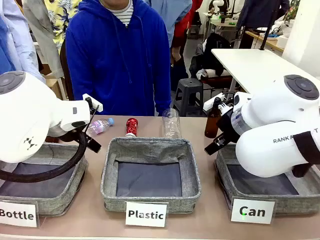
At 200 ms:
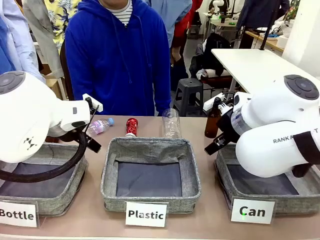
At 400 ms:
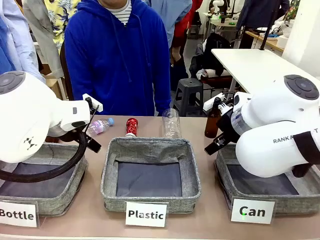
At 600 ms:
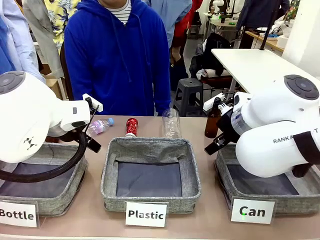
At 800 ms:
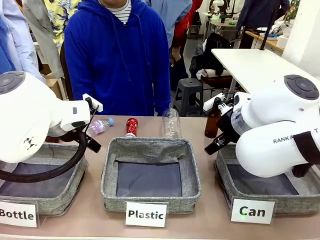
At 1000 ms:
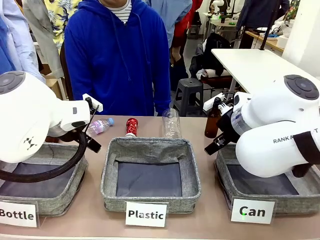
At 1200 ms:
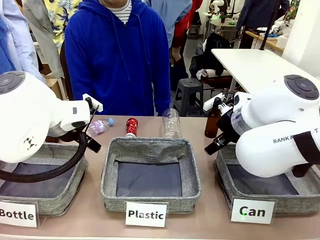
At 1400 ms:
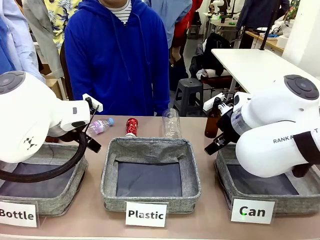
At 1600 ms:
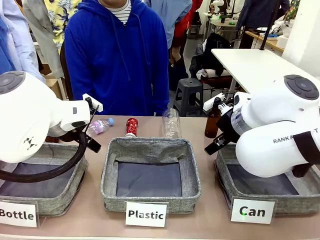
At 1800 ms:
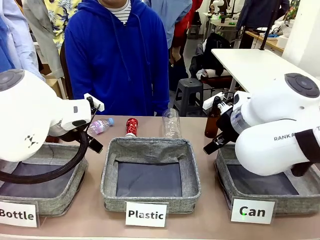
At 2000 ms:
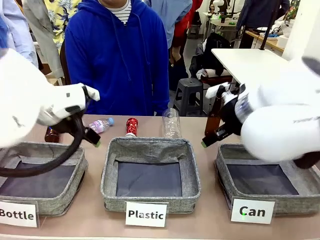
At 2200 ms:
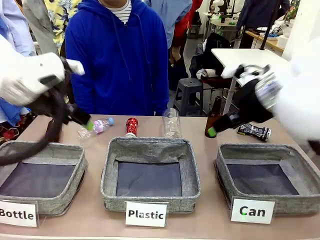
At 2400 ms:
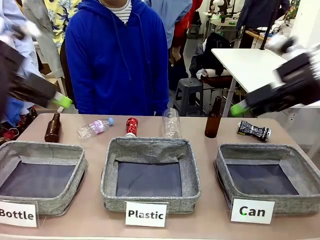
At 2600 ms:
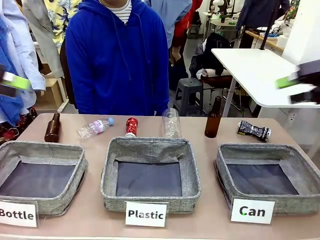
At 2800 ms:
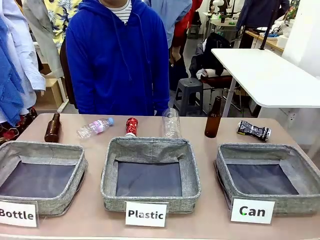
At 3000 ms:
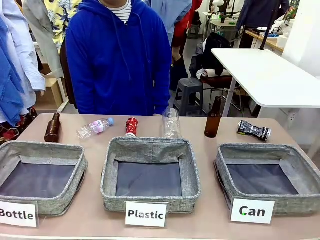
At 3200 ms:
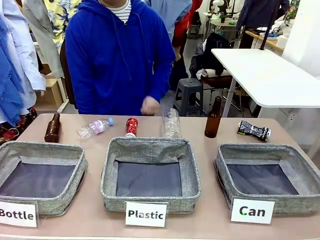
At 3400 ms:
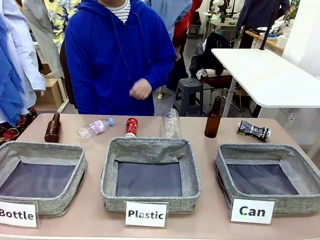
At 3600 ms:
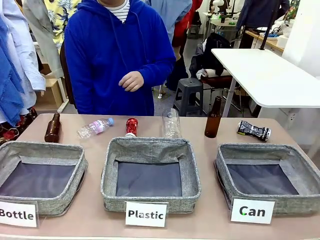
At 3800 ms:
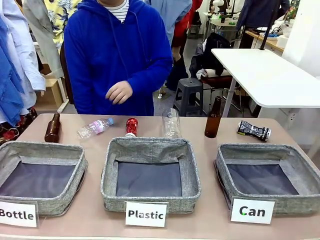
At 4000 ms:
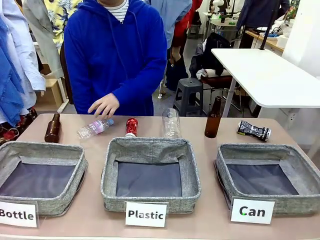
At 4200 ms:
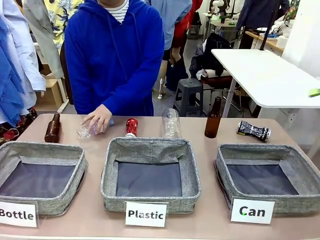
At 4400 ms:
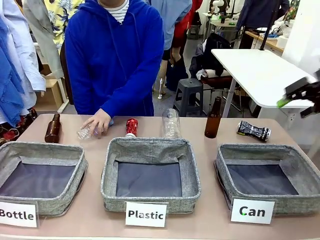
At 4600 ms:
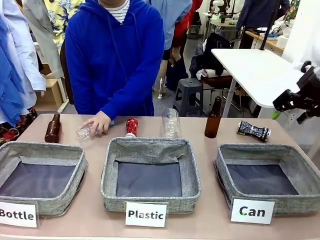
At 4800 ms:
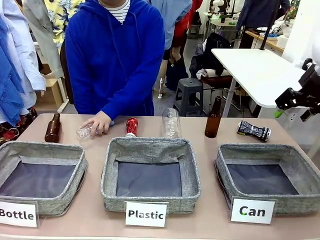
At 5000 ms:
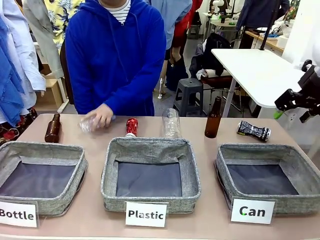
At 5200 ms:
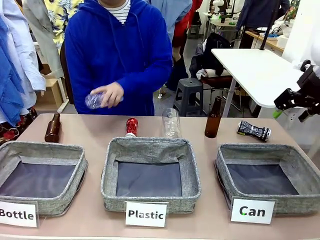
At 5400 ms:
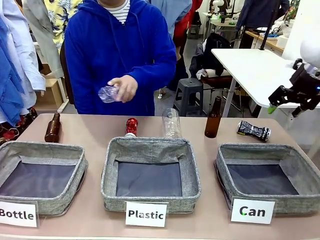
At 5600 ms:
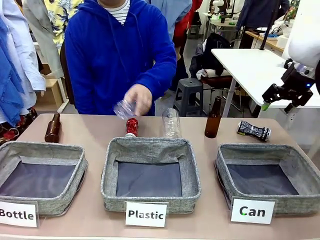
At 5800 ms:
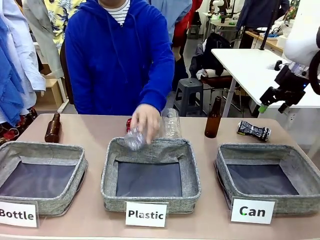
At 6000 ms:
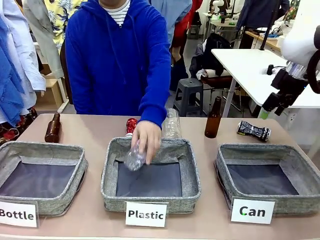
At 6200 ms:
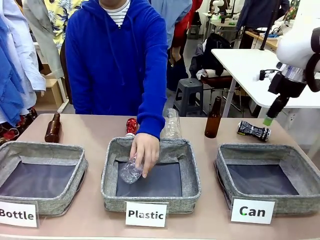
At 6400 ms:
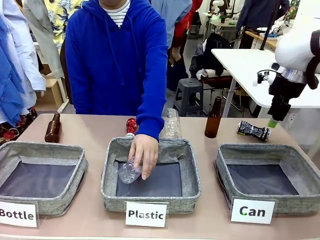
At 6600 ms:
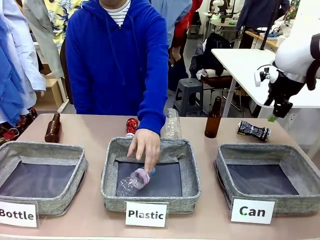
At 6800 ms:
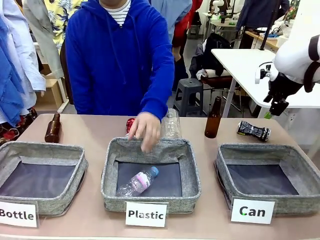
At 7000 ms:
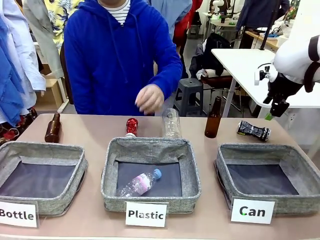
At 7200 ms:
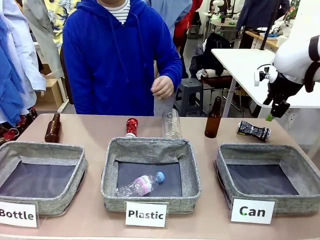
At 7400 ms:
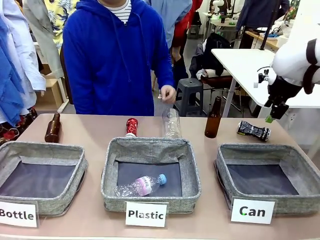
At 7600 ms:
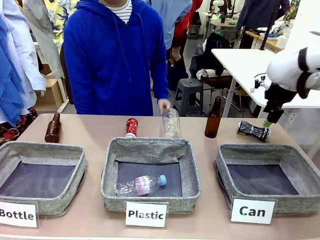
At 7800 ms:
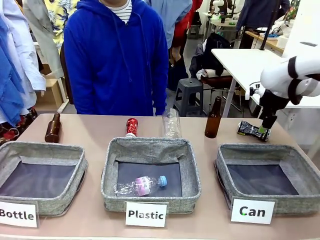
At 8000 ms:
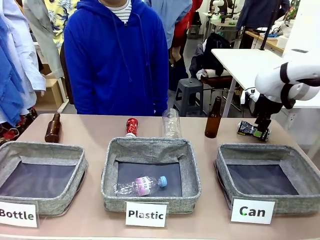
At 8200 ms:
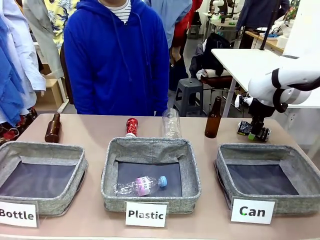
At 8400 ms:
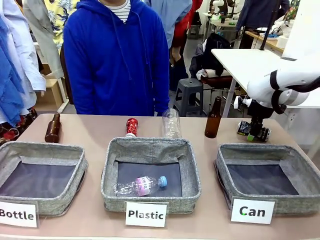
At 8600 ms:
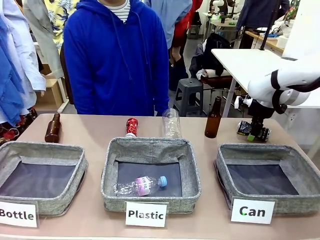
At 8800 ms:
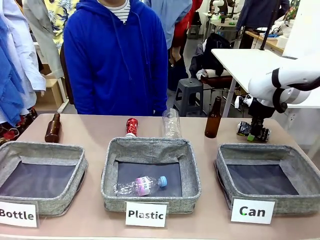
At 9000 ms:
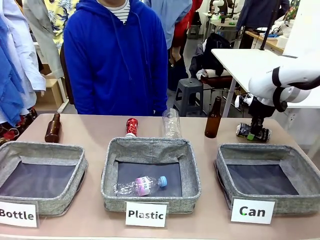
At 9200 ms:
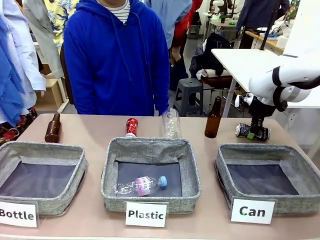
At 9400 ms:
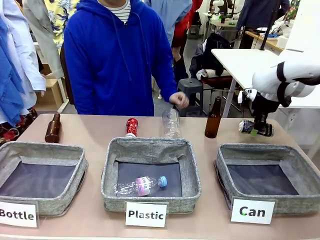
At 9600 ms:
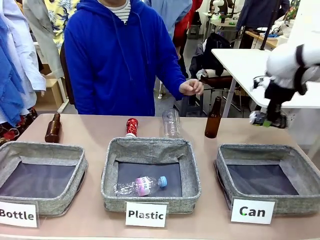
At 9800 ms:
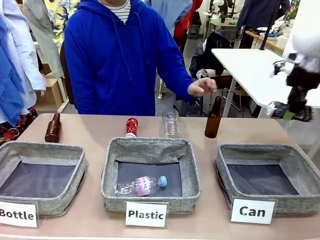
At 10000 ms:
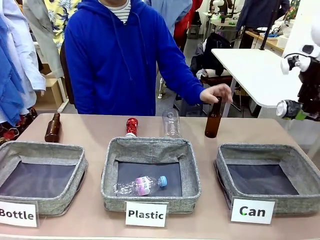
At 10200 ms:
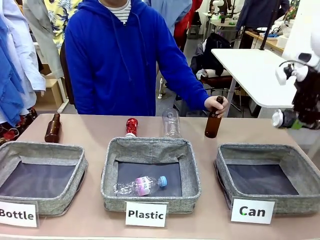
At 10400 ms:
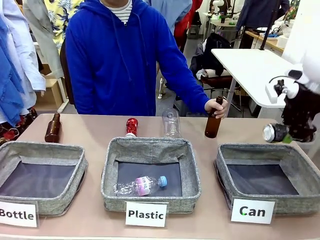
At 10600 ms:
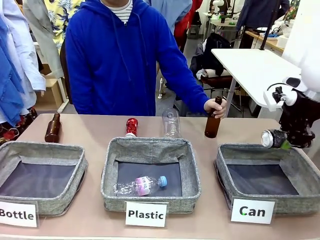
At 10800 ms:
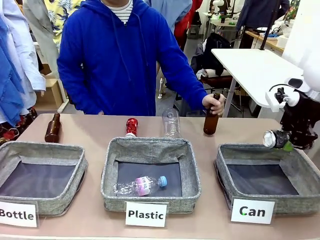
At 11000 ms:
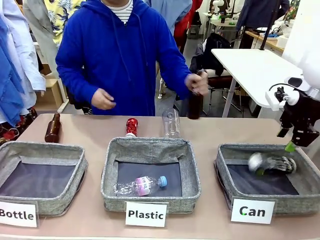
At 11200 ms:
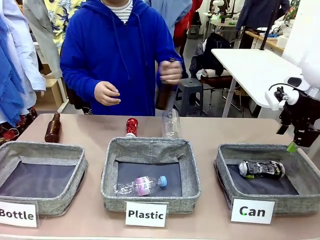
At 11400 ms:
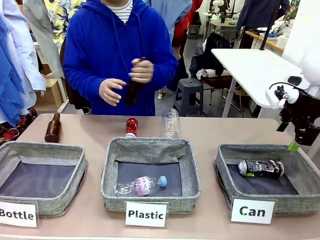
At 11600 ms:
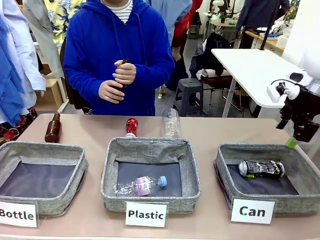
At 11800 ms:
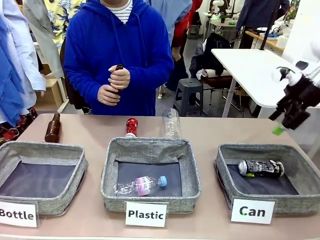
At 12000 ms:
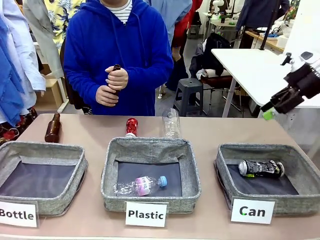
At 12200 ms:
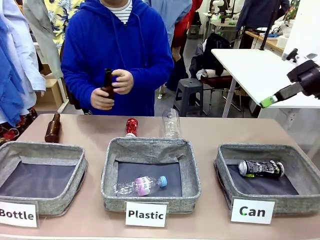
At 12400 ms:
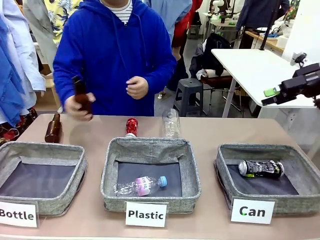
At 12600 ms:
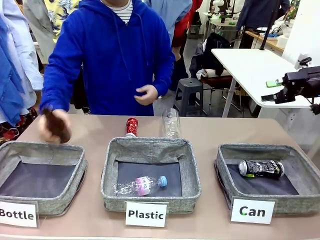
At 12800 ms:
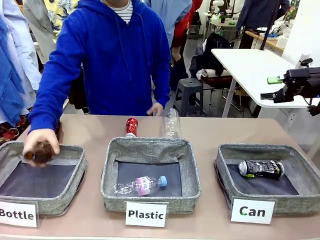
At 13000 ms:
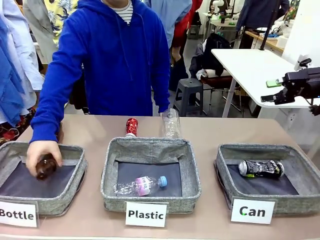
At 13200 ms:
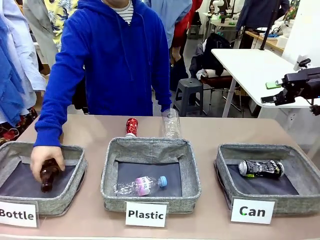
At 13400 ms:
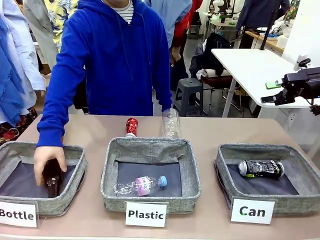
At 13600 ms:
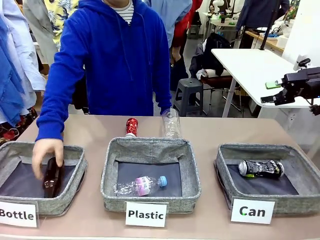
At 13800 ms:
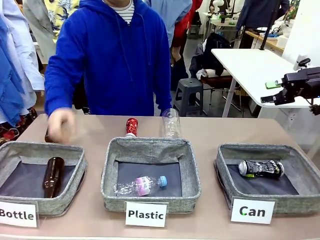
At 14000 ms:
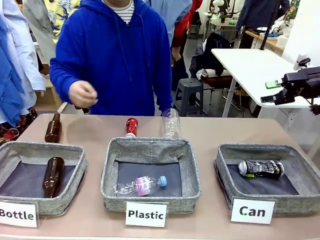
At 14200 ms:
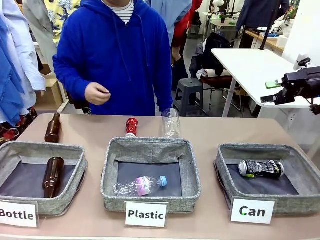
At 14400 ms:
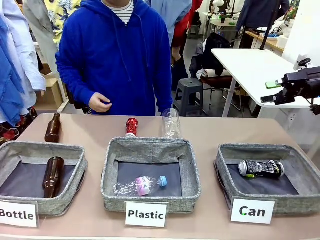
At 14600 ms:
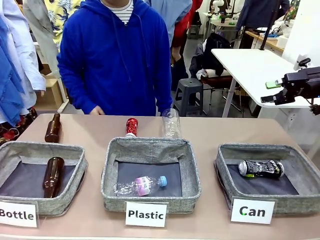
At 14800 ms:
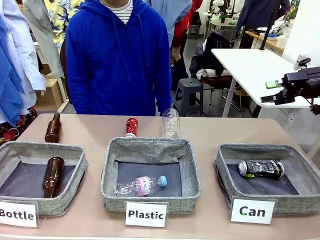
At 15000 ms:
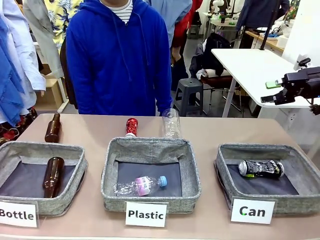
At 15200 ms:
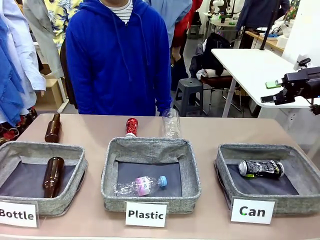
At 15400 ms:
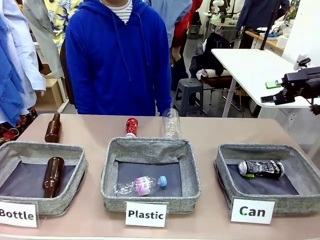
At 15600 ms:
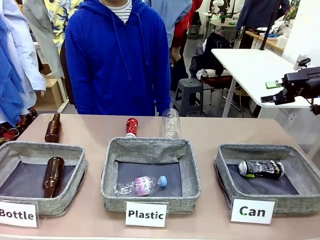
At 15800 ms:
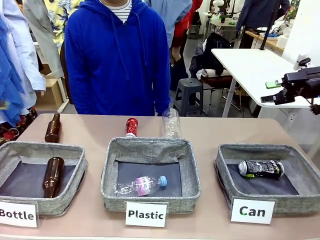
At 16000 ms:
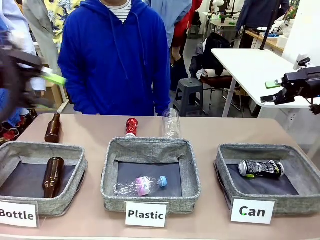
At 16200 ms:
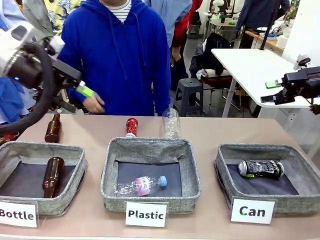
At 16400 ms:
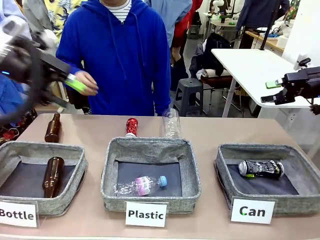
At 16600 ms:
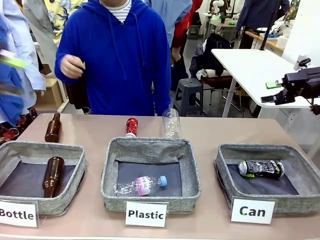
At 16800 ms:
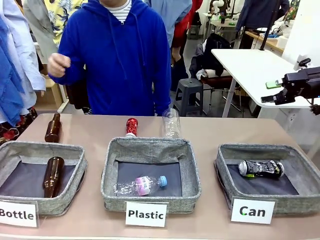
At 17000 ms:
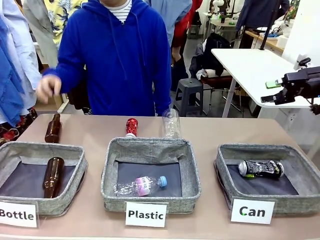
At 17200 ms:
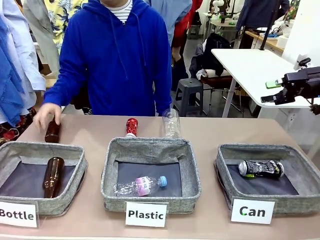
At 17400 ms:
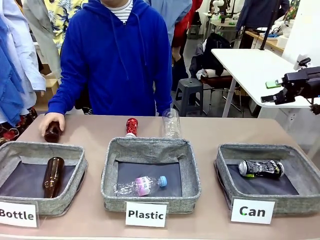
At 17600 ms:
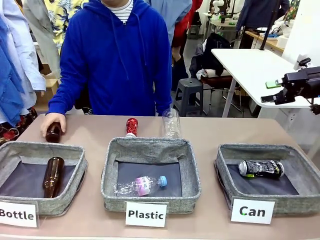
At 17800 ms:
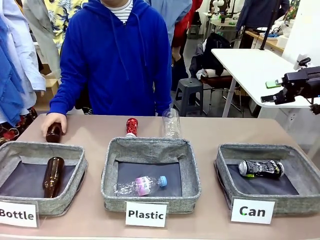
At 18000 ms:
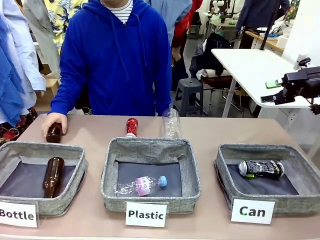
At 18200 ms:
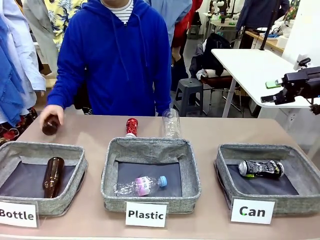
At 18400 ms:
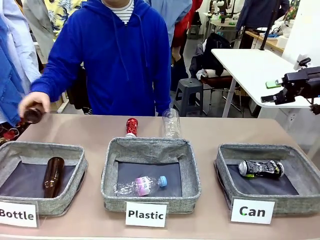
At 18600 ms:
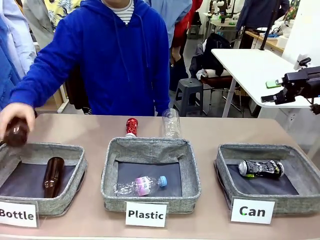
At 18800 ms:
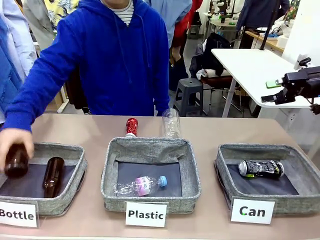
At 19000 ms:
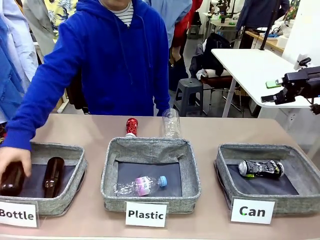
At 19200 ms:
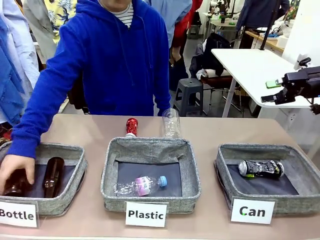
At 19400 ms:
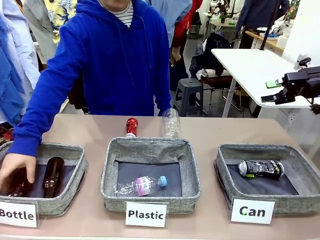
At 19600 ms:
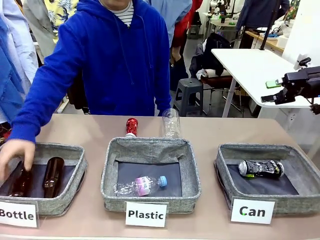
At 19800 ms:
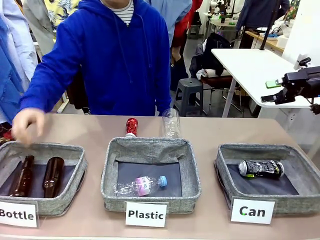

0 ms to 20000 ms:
Task: Sort the can waste into the basket.
Robot: Pick up the can waste from the table and place it in the right Fabric basket.
